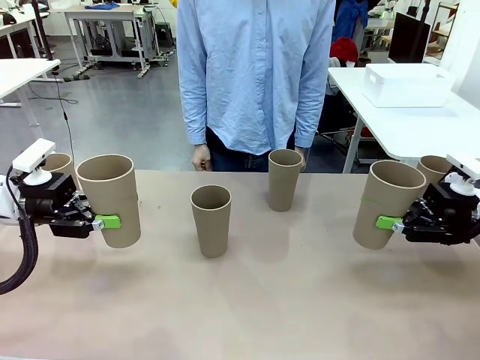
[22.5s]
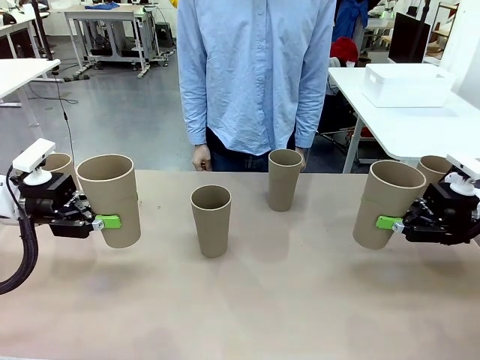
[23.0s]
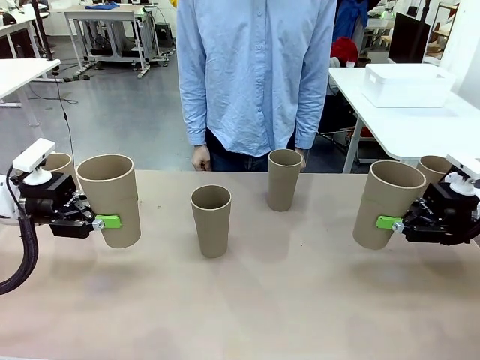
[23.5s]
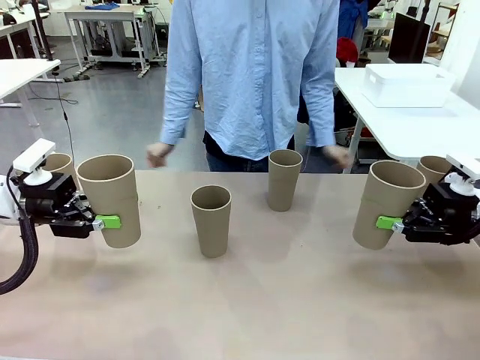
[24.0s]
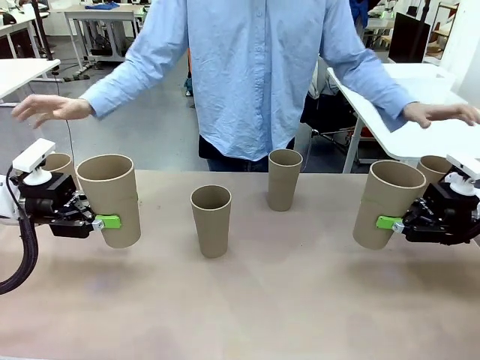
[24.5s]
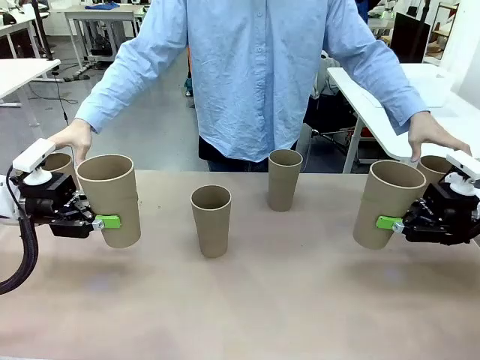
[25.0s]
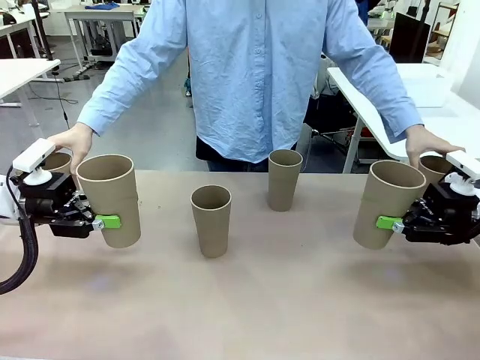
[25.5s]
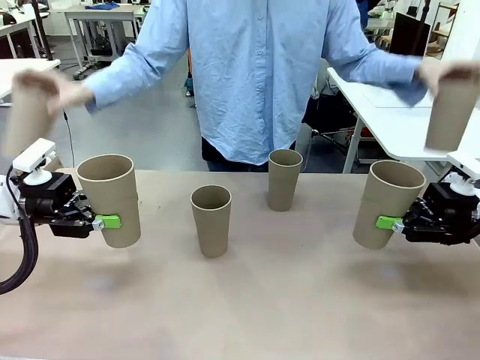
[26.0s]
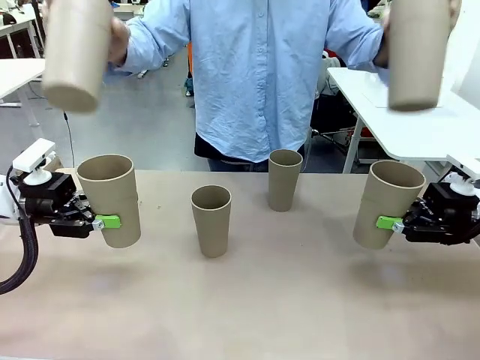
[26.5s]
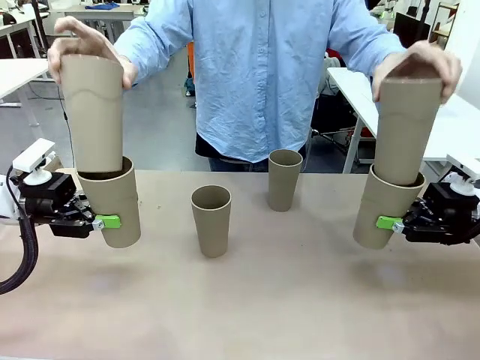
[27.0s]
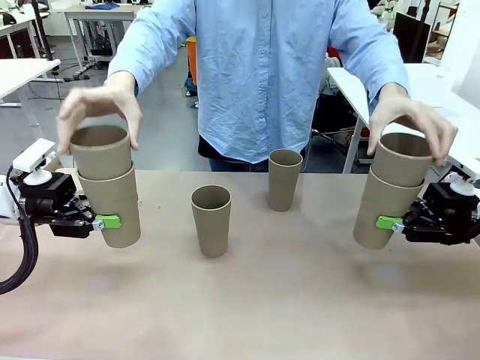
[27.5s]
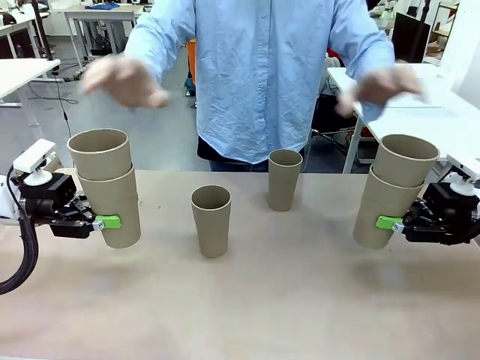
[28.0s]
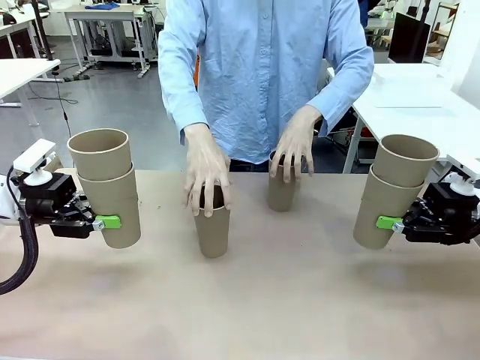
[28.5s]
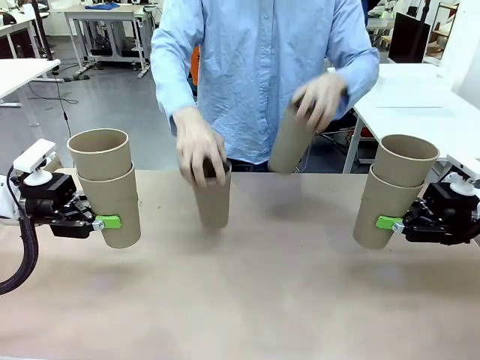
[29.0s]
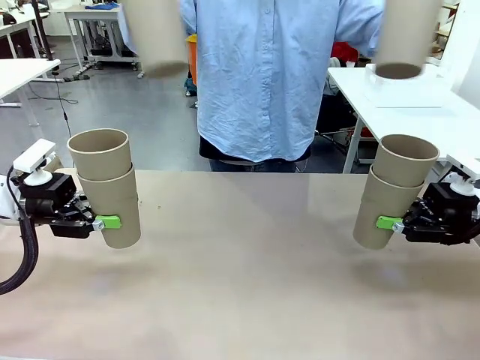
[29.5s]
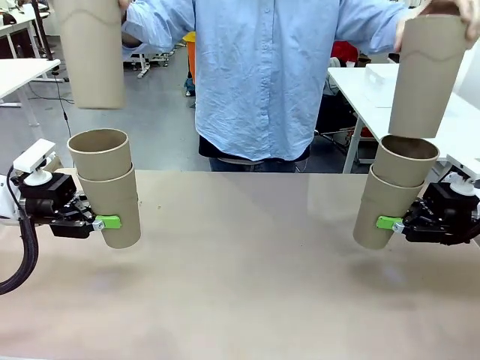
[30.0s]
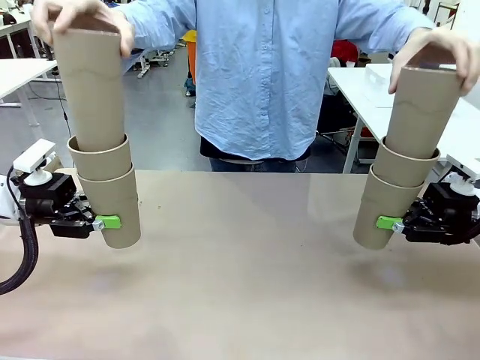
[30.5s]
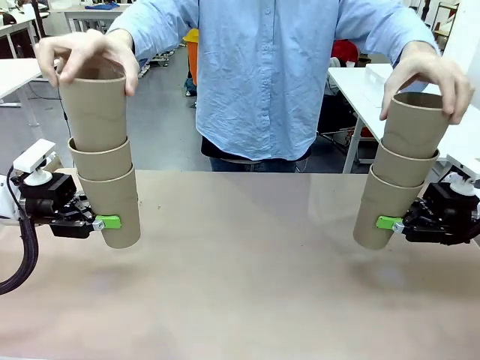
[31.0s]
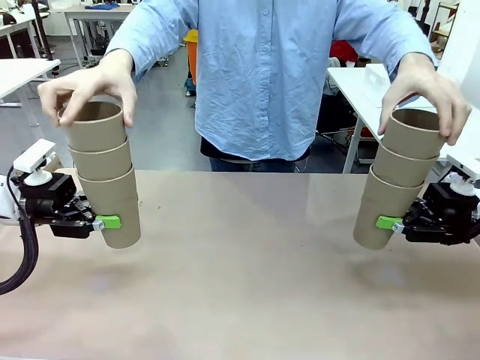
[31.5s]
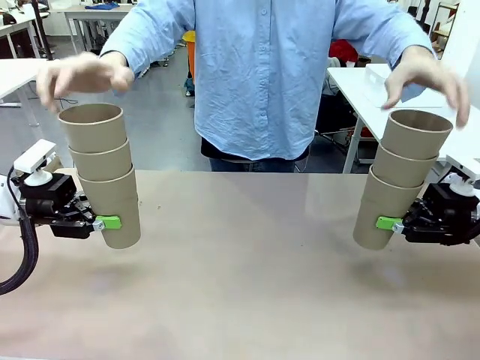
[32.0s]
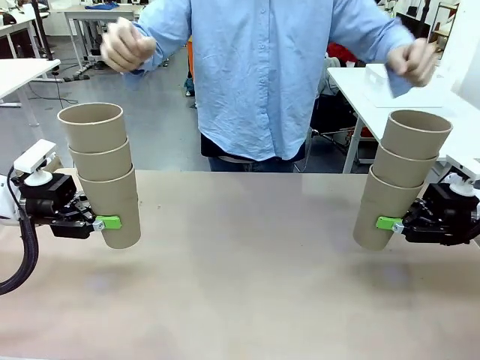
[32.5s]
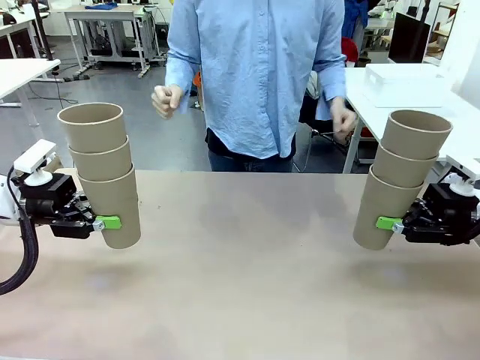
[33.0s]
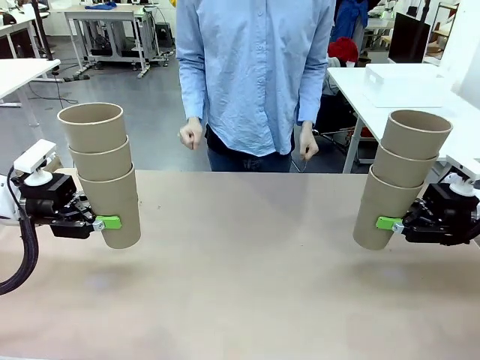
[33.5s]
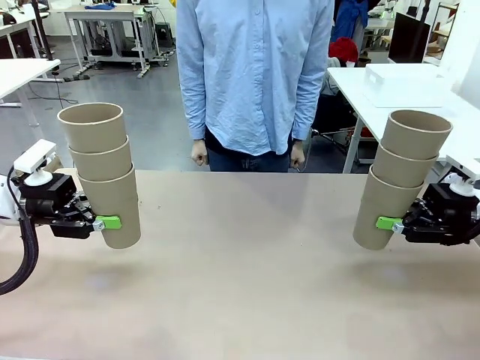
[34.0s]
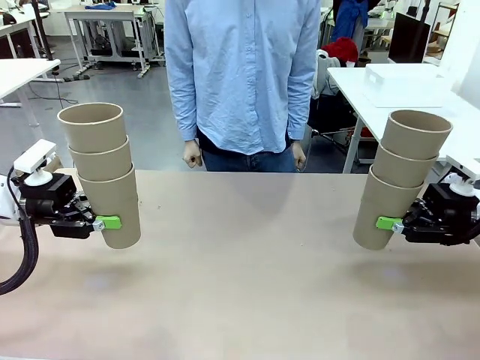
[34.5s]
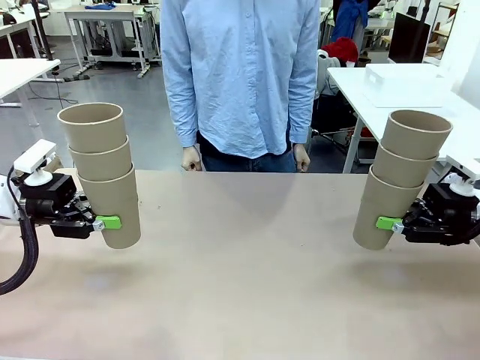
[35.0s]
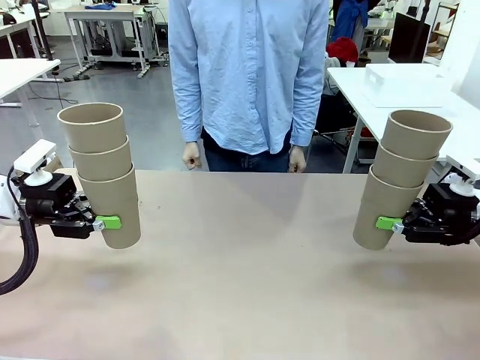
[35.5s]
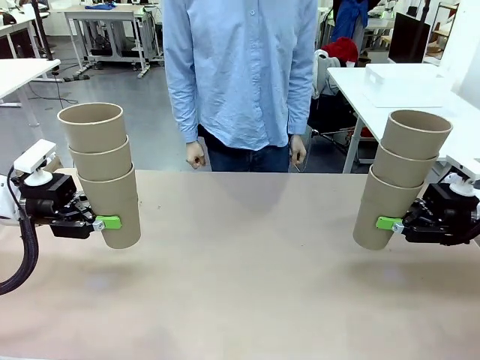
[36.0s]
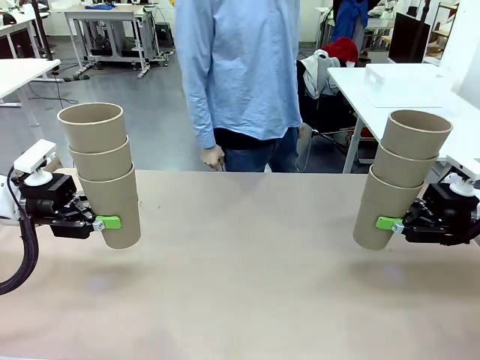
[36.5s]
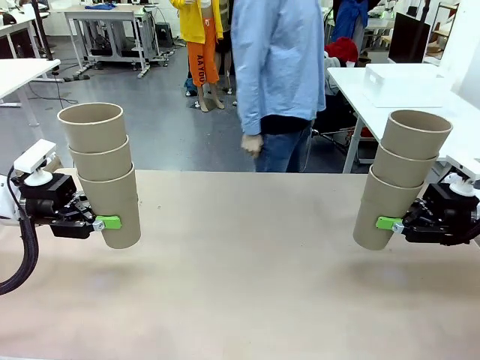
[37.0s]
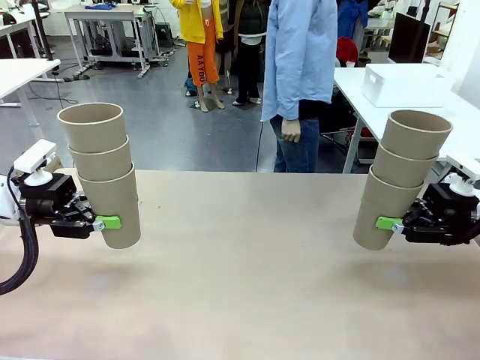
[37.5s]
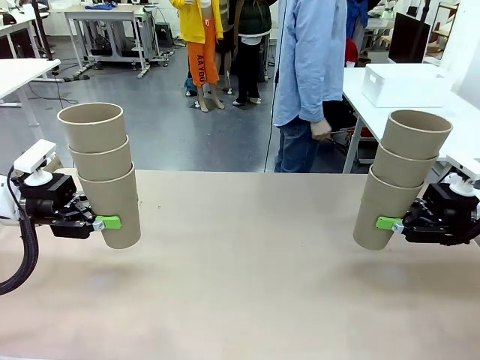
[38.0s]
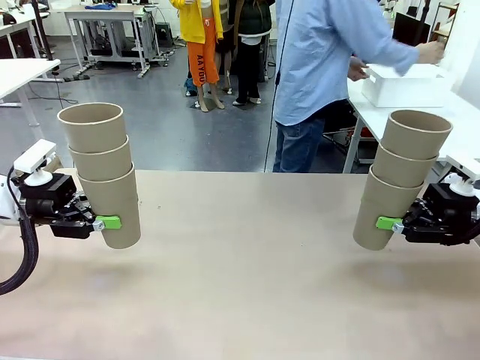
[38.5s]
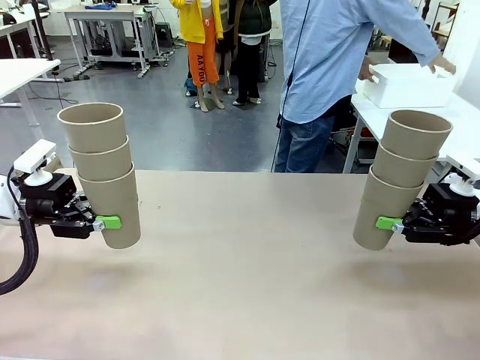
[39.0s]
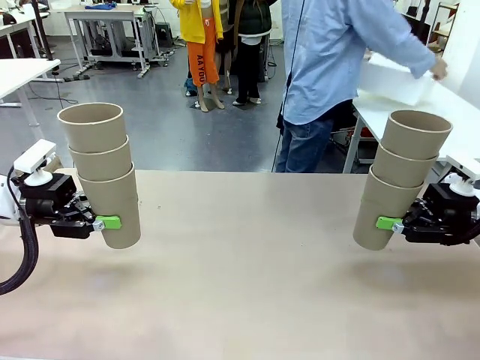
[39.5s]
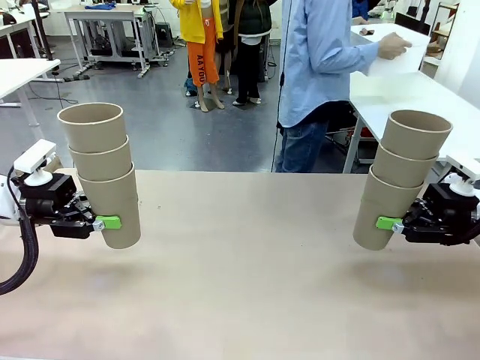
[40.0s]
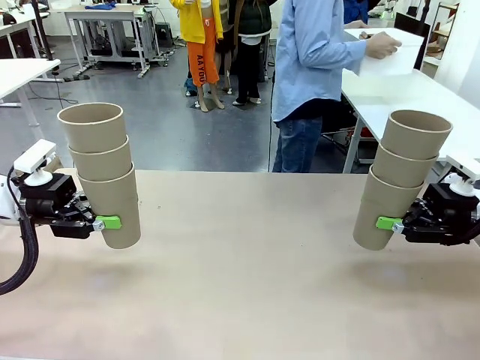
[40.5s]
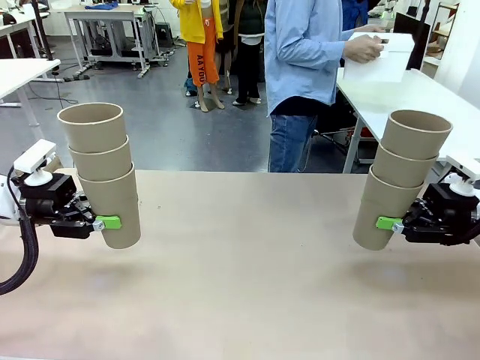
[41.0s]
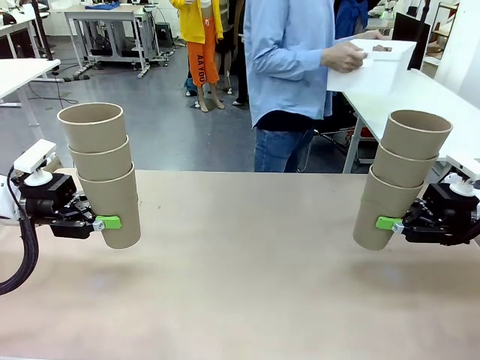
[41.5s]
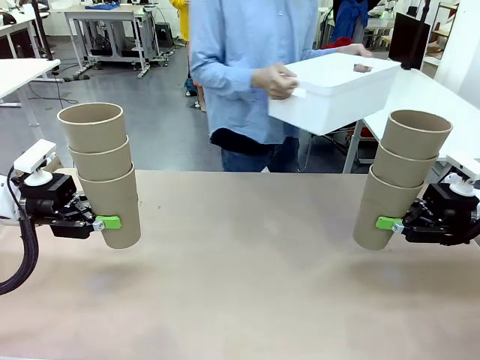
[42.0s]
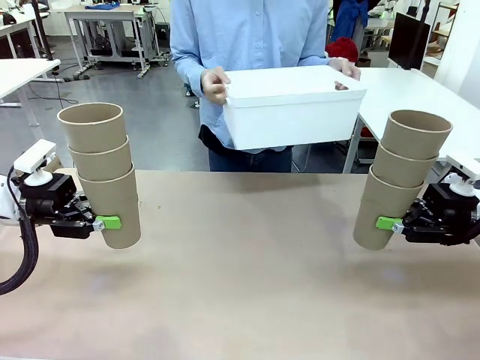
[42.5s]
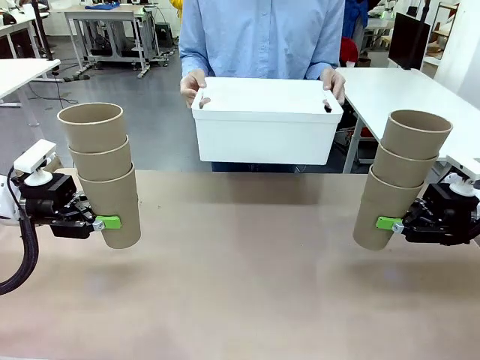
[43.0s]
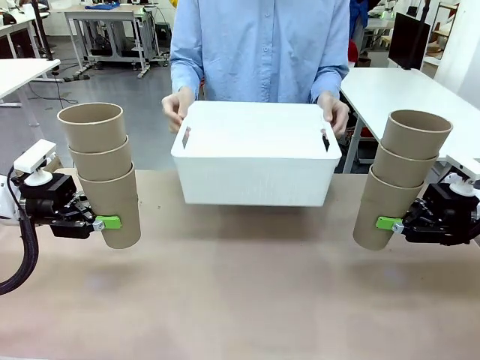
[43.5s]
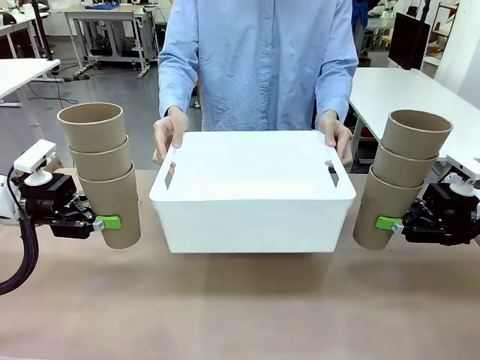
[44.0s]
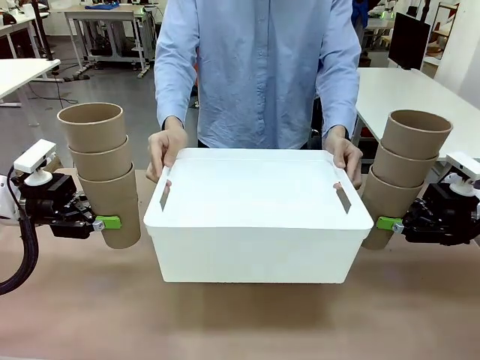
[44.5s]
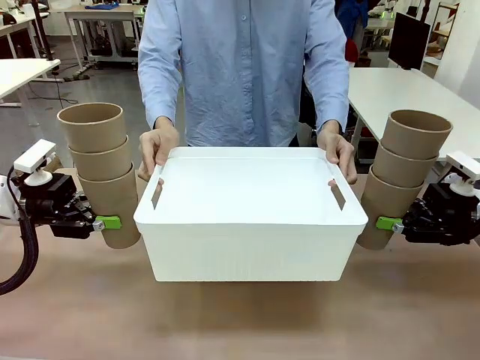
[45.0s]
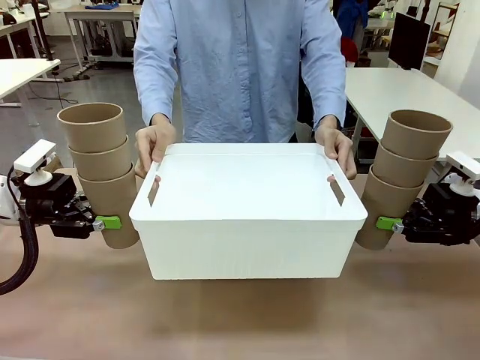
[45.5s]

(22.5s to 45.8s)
Task: Stack the cups and store them in the basket.
Robot: Place the stack of Reusable plastic cups into the Pantry Basket.
Person: Pick up the basket from the Human Table, bring it to the front of the robot, and present it.
